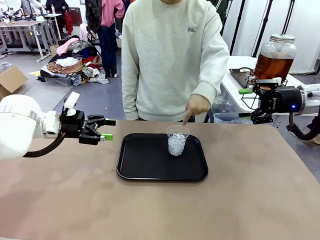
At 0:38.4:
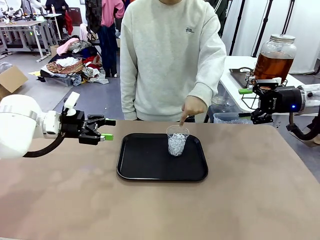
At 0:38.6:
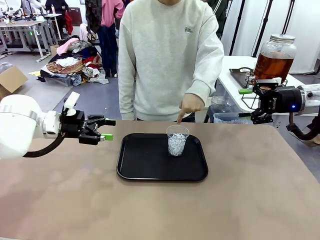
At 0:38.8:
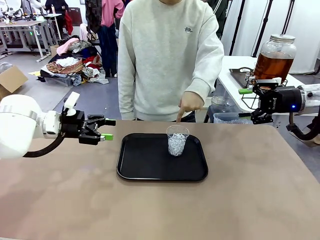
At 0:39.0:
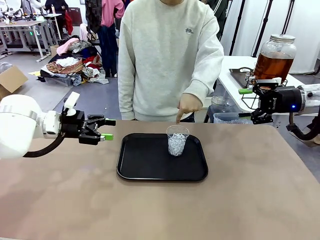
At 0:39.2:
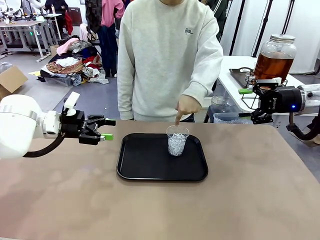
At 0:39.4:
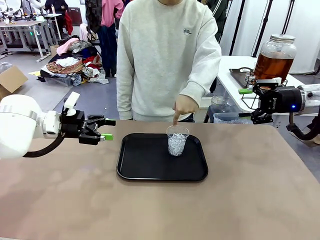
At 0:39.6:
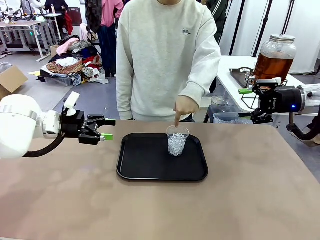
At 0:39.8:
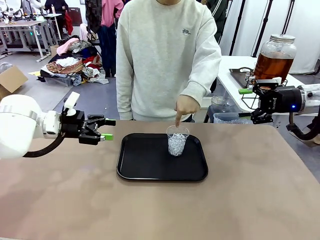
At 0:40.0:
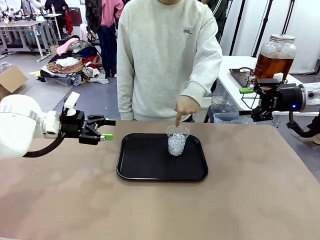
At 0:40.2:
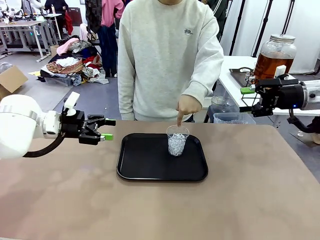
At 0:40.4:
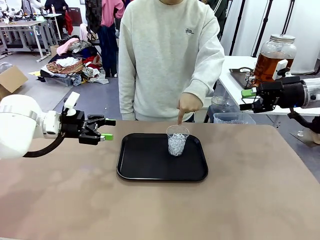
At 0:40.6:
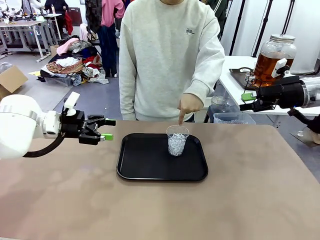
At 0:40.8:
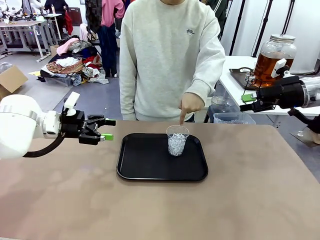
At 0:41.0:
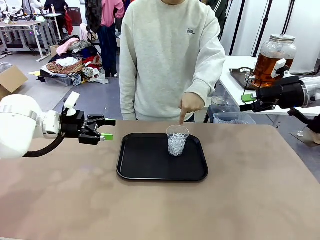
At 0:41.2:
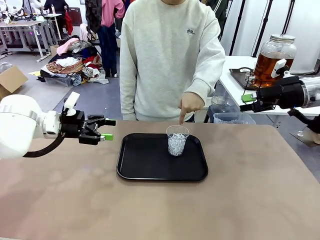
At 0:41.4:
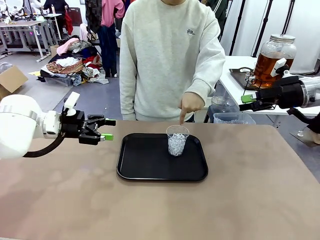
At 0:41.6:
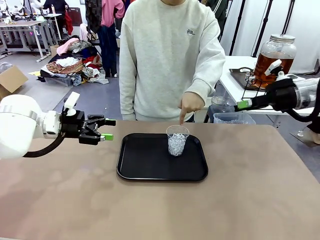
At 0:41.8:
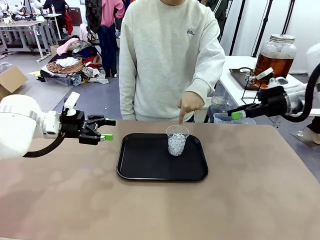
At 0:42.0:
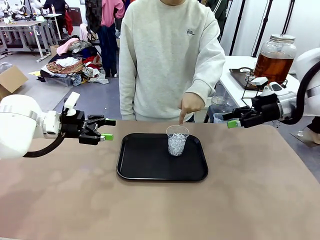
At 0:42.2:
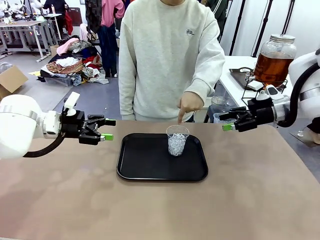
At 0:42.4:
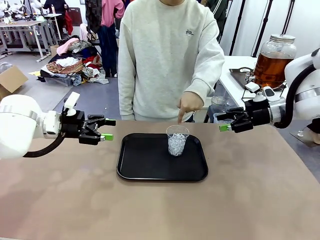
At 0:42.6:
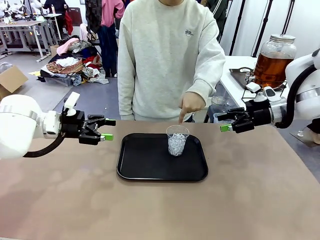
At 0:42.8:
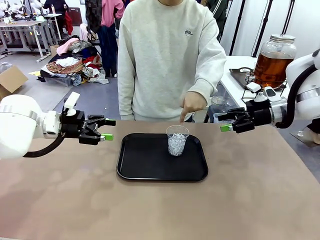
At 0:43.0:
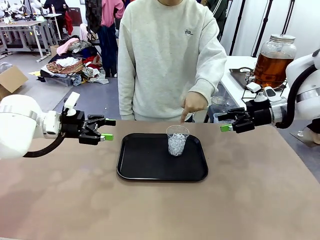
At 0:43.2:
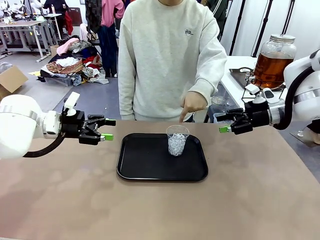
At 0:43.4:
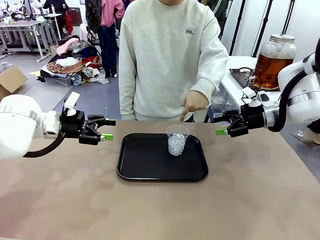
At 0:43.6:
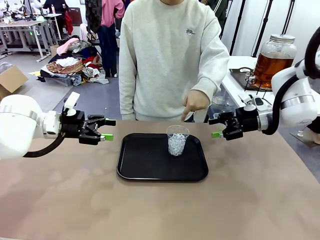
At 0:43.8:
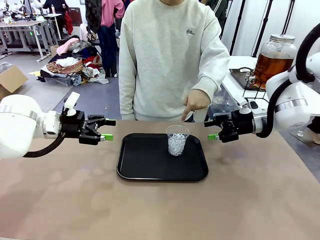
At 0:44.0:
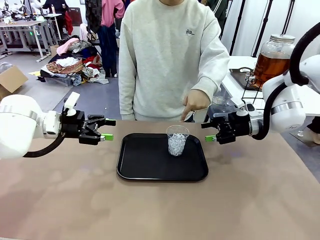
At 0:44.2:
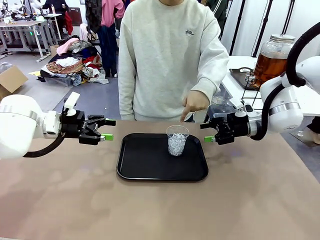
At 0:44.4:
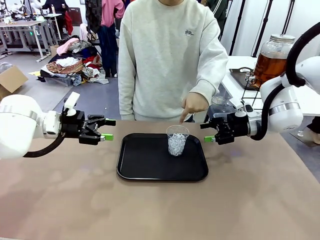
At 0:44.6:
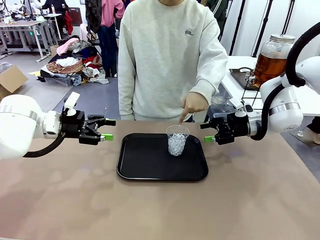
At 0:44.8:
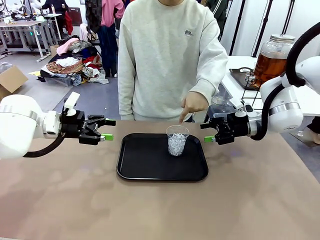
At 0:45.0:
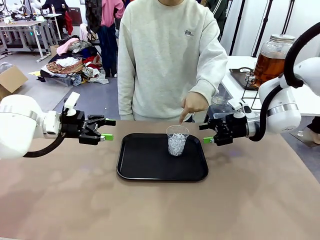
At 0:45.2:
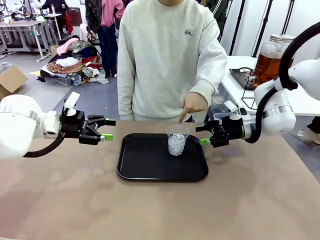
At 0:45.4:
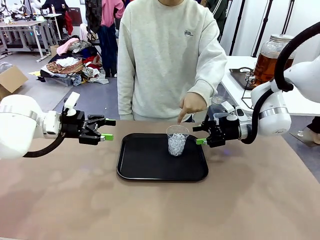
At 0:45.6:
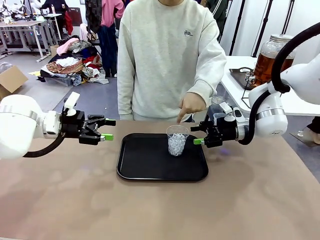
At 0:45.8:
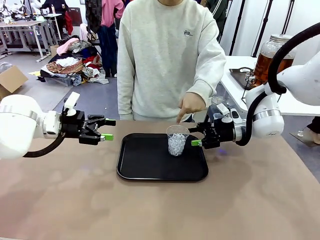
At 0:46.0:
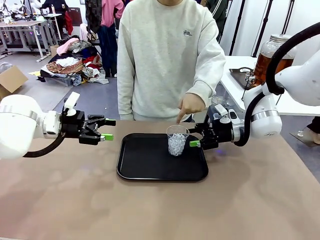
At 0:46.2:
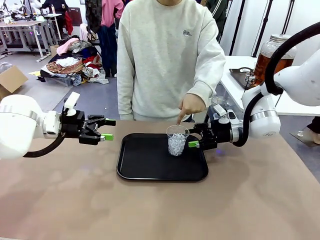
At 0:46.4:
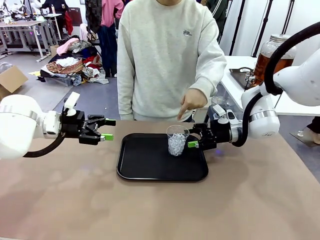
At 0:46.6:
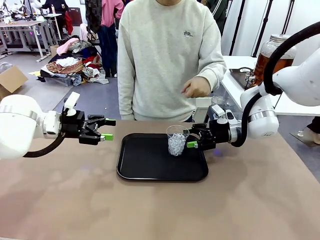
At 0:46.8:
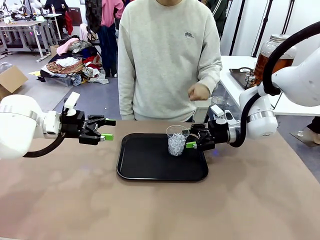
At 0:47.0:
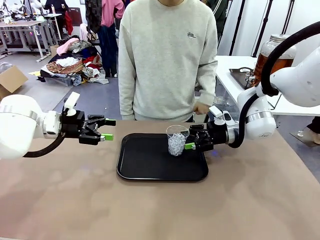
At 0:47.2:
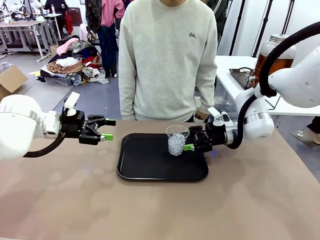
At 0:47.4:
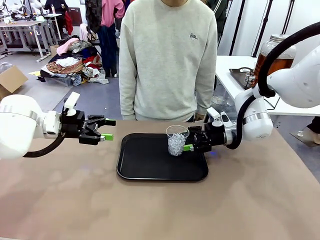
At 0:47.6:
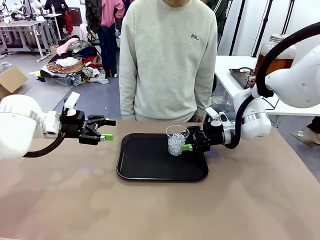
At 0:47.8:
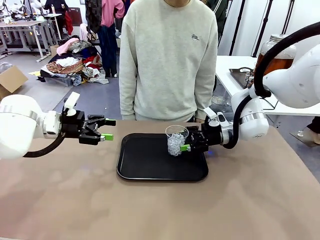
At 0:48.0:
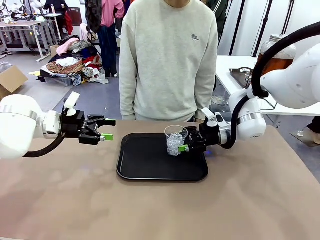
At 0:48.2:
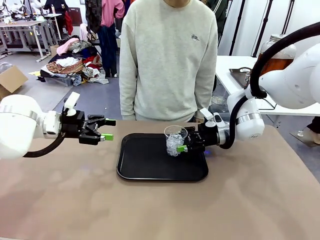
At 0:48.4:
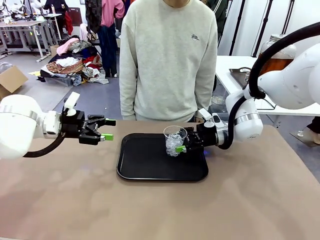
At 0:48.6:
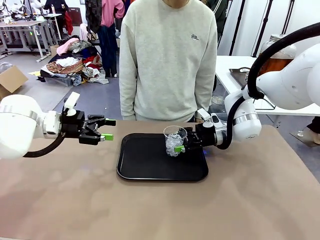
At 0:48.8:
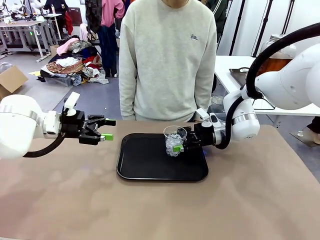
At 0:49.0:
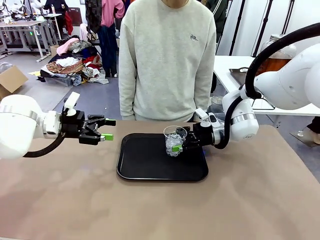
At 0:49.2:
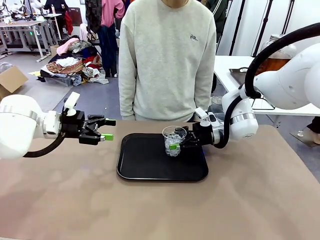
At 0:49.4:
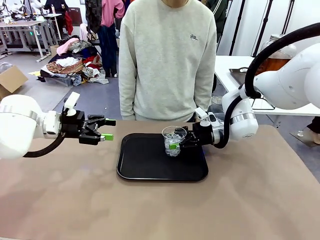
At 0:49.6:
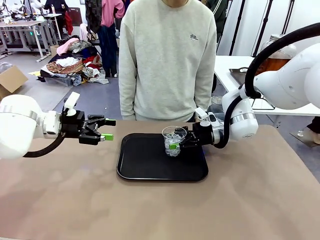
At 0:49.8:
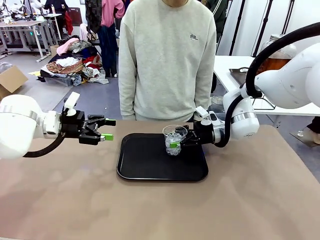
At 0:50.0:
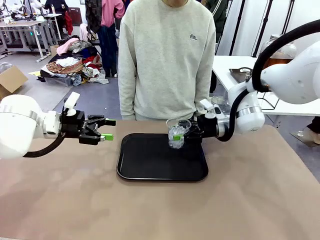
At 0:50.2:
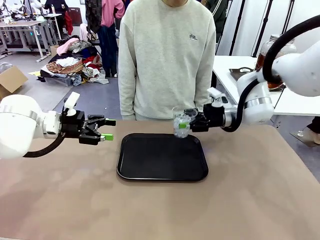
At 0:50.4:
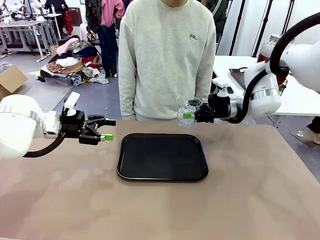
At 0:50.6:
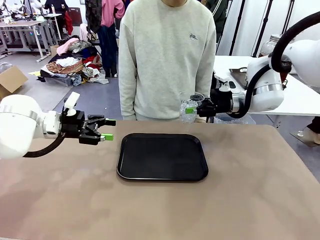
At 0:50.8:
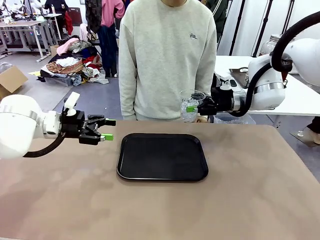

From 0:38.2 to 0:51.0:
Task: Pour the drink into the iced cup.
Robot: Pick up the iced cup indicated by the human and present it to them.
Person: Pick up the cup offered by the robot.

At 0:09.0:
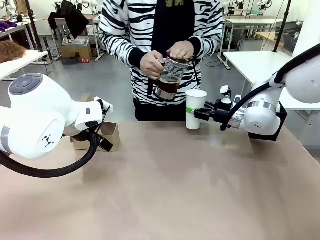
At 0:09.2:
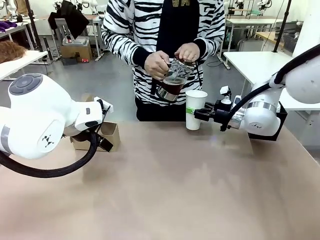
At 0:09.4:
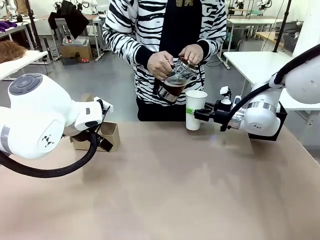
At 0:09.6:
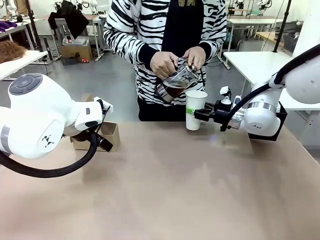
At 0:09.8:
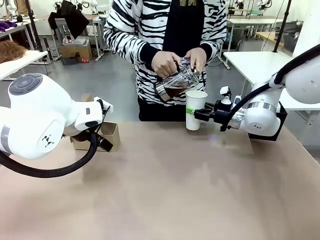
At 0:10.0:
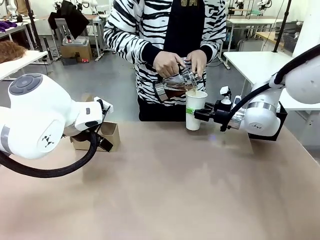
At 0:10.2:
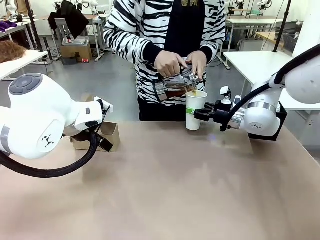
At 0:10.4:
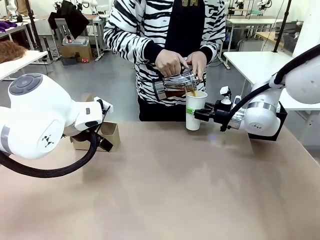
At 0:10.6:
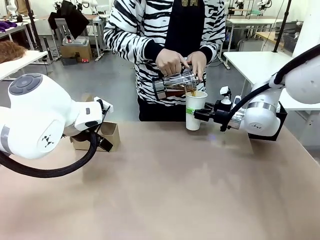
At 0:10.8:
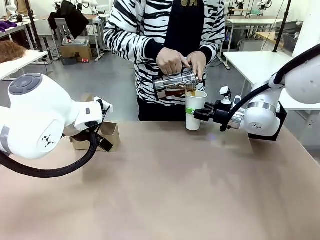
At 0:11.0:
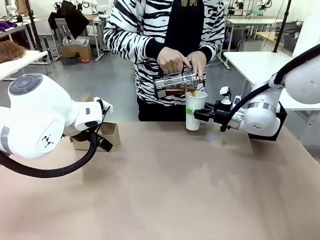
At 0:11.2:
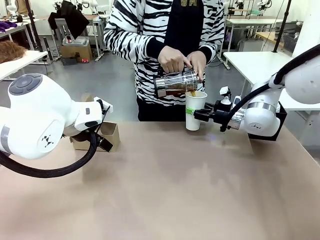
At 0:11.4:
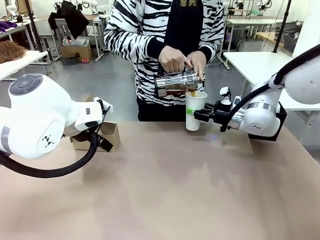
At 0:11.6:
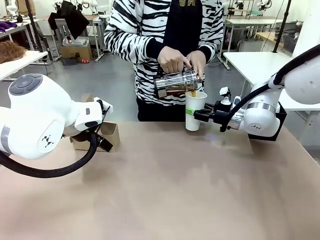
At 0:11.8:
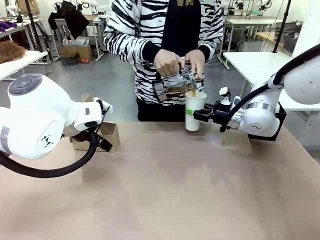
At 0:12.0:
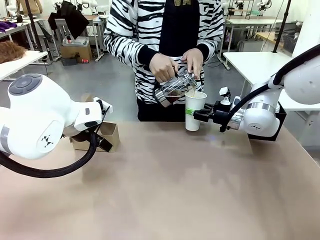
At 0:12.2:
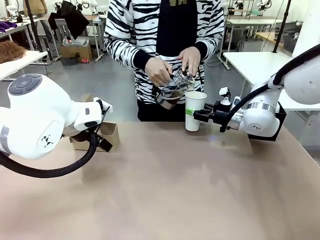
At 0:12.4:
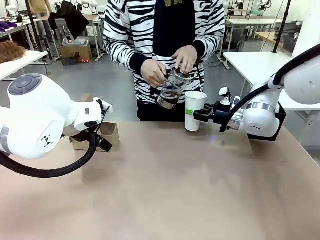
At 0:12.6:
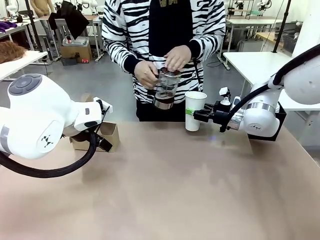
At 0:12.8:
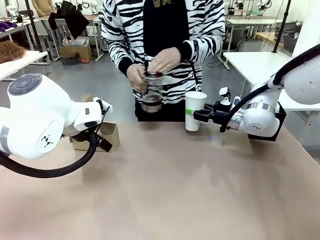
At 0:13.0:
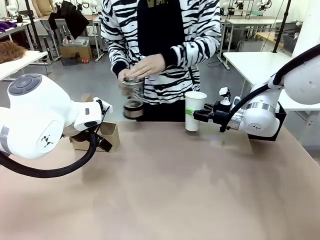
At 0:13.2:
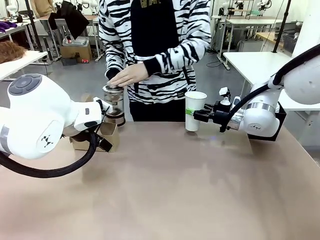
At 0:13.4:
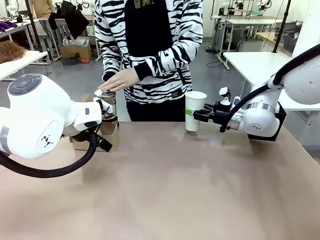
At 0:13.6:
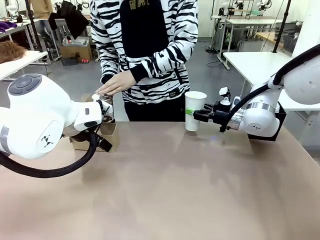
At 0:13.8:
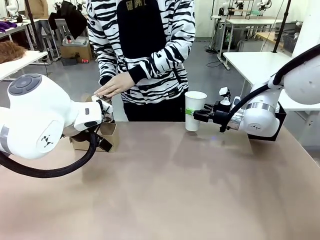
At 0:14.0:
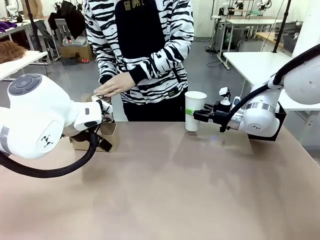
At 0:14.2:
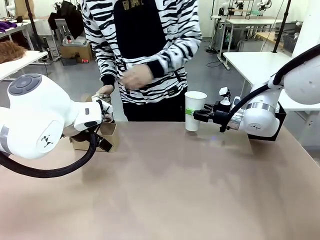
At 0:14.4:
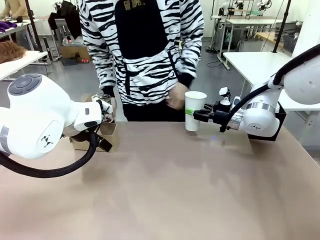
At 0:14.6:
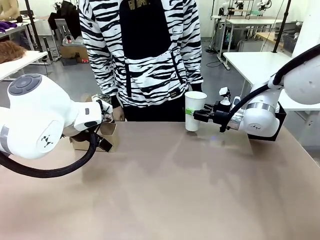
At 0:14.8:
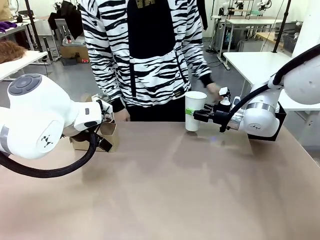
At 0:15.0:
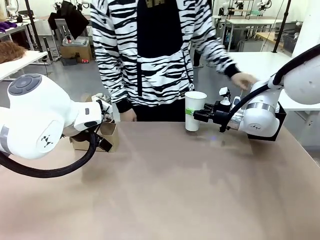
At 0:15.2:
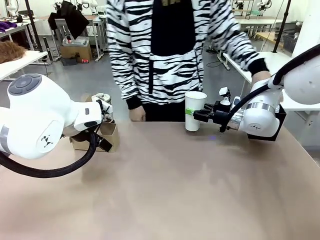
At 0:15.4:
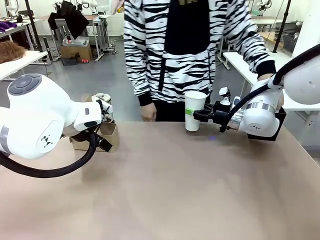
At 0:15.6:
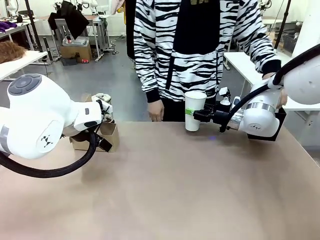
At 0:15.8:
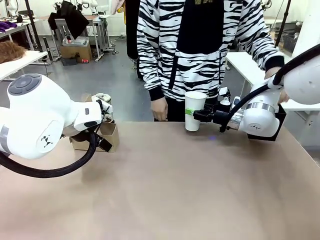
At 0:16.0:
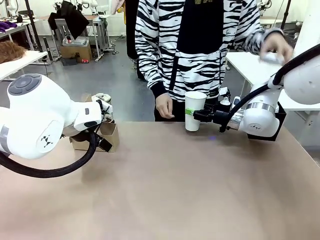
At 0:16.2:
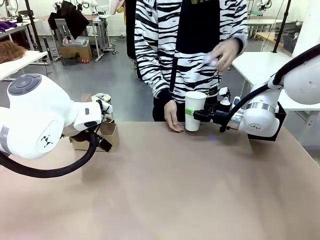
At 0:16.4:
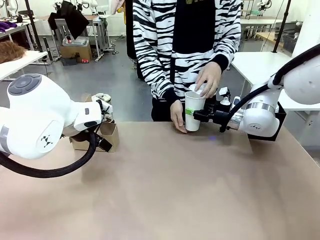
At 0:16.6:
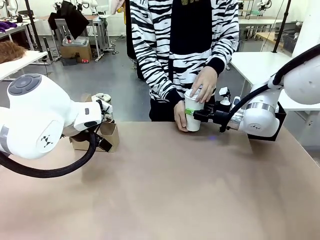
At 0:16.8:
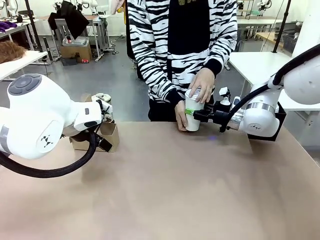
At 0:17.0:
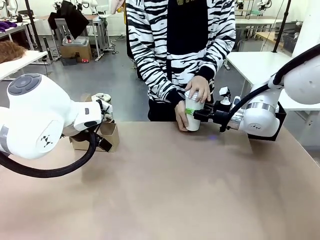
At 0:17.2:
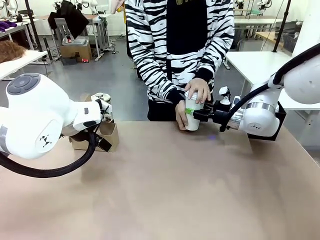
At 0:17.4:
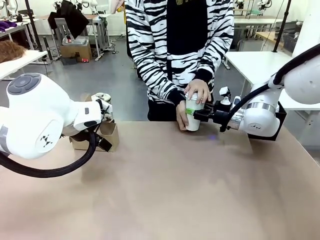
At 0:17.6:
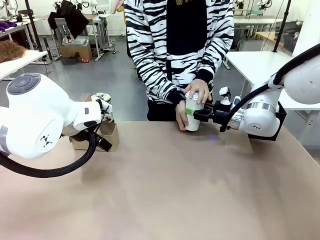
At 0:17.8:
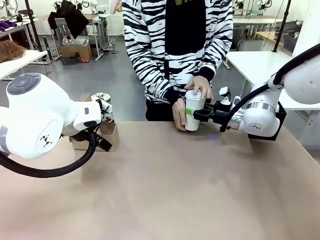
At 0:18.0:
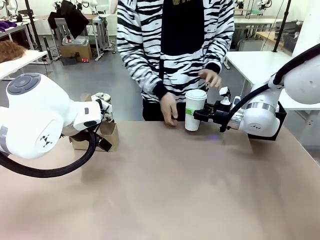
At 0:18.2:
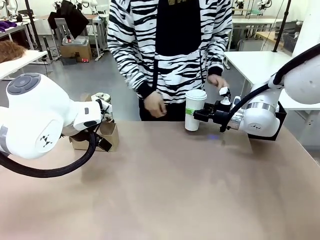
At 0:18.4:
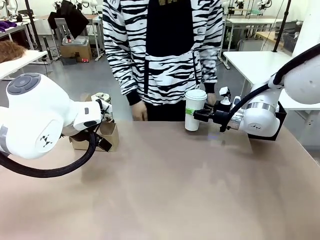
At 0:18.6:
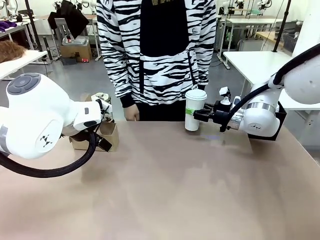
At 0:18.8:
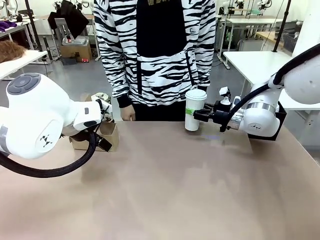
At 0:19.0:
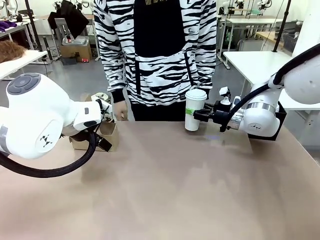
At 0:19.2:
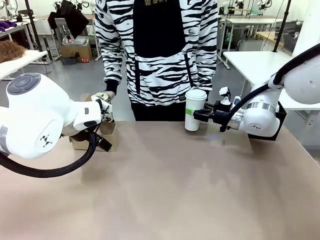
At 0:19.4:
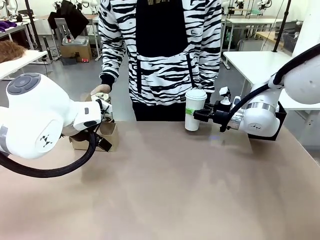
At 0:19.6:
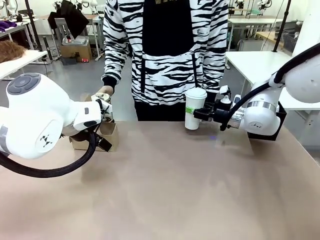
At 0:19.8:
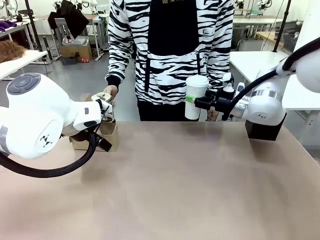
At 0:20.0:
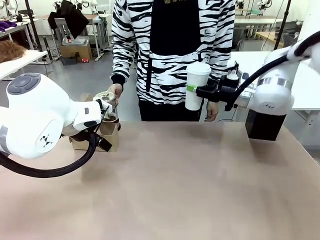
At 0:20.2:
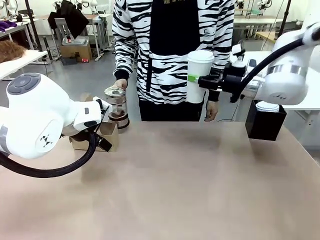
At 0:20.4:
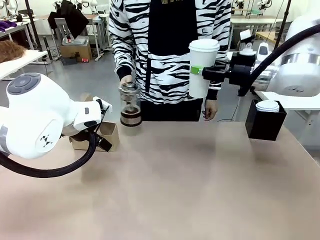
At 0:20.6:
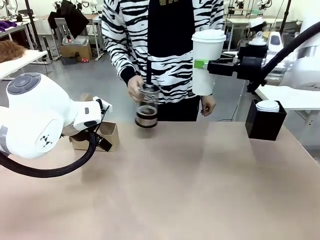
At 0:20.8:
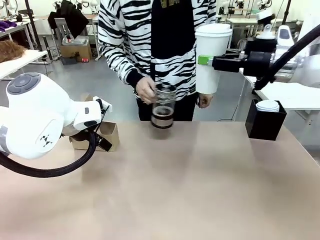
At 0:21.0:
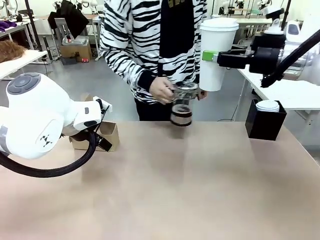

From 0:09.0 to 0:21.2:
Task: Pour a drink into a cup and package it in a carrier.
Robot: When a person places the Paper Cup Lid on the 600 ml Paper Cup , lift the 600 ml Paper Cup.
Person: Pour the drink from the Filter Brewing into the 600 ml Paper Cup. Place a Paper Cup Lid on the 600 ml Paper Cup.
